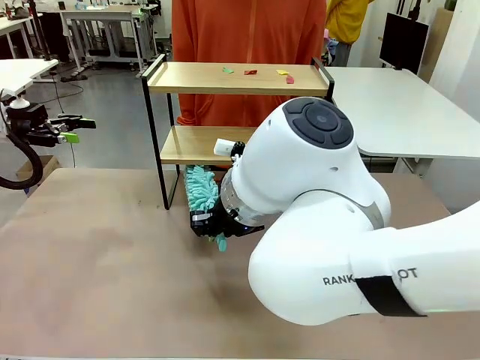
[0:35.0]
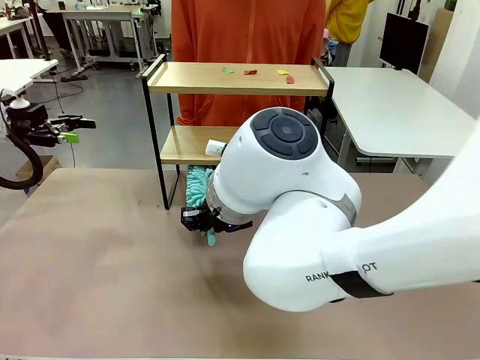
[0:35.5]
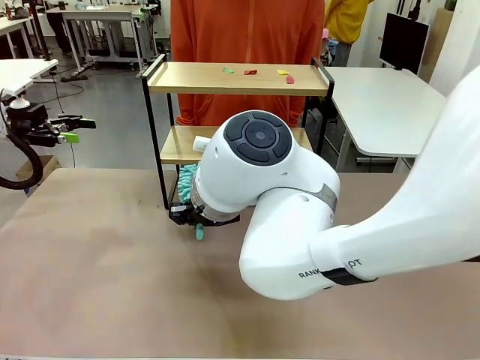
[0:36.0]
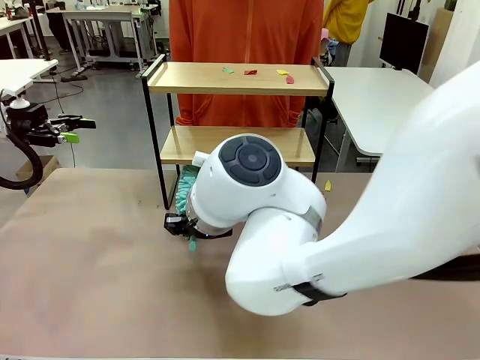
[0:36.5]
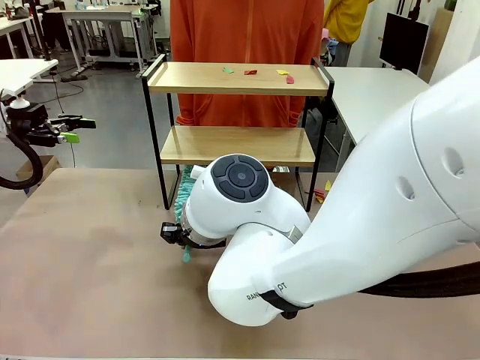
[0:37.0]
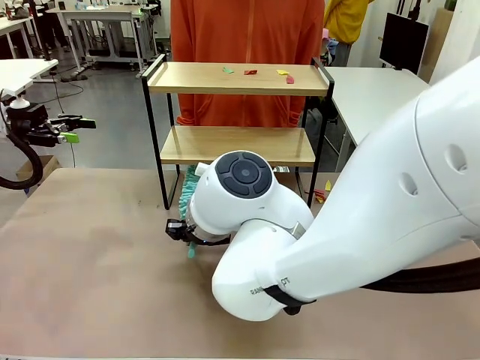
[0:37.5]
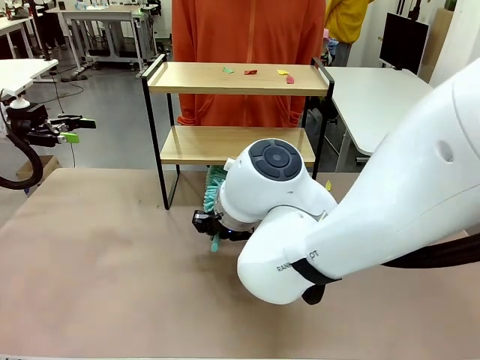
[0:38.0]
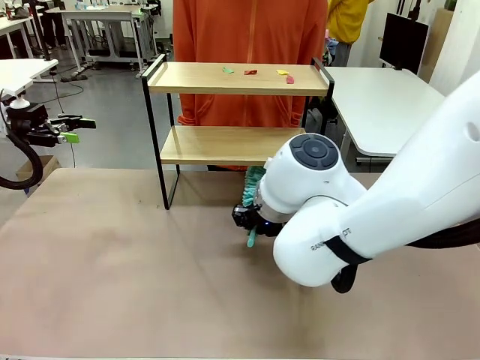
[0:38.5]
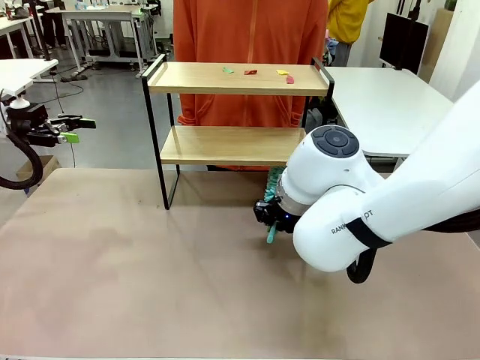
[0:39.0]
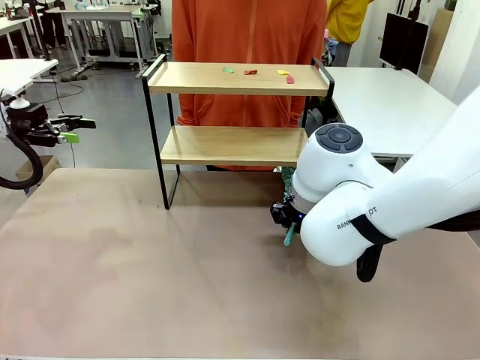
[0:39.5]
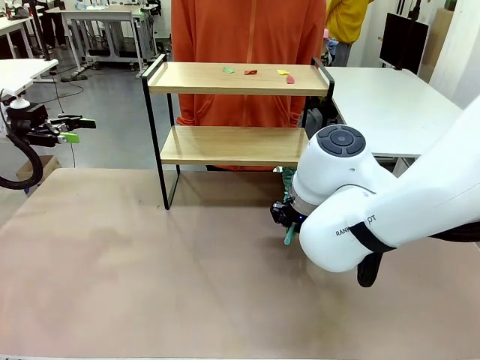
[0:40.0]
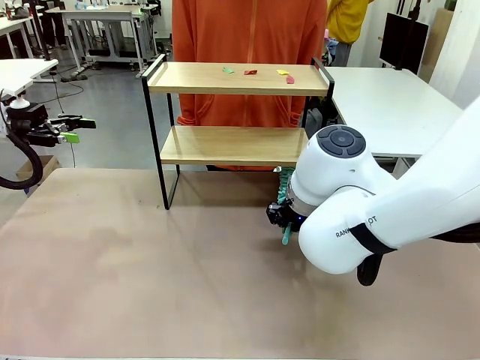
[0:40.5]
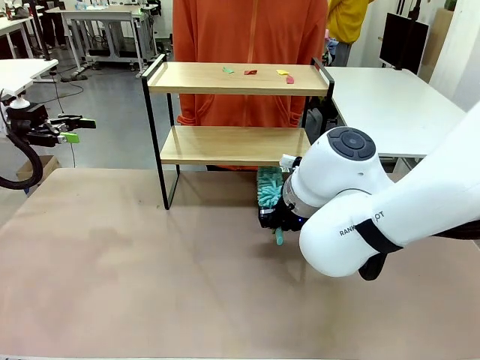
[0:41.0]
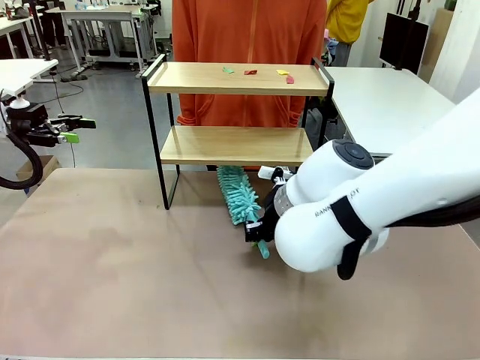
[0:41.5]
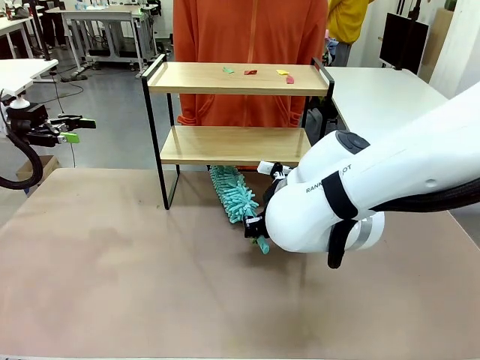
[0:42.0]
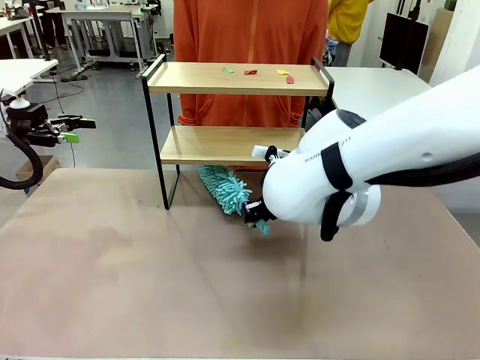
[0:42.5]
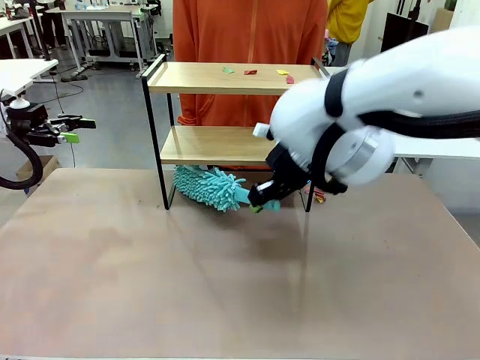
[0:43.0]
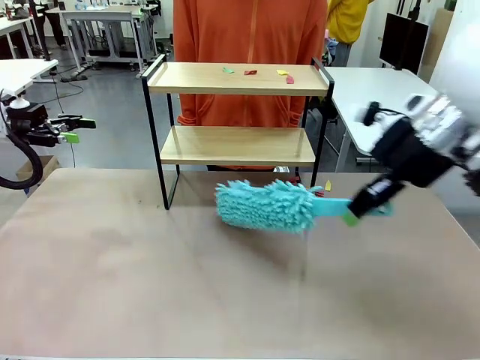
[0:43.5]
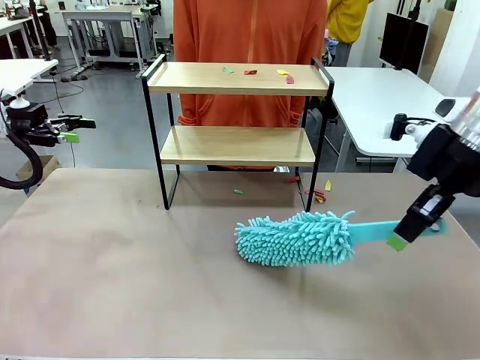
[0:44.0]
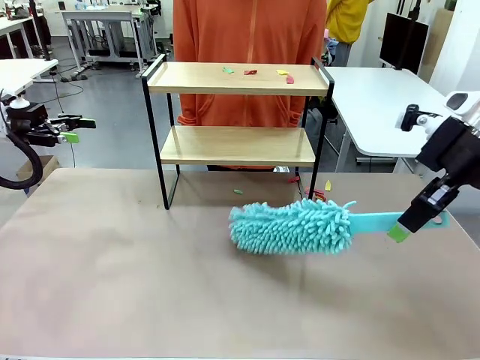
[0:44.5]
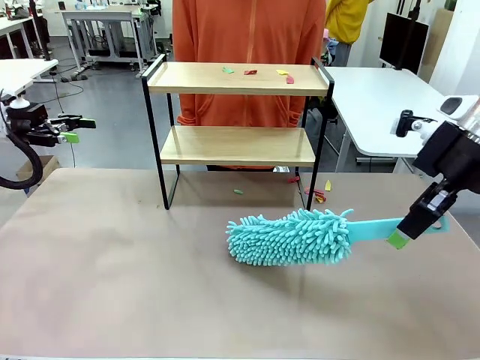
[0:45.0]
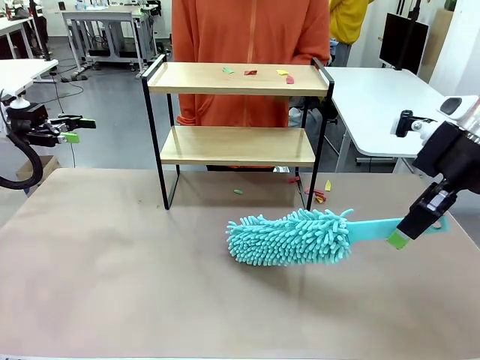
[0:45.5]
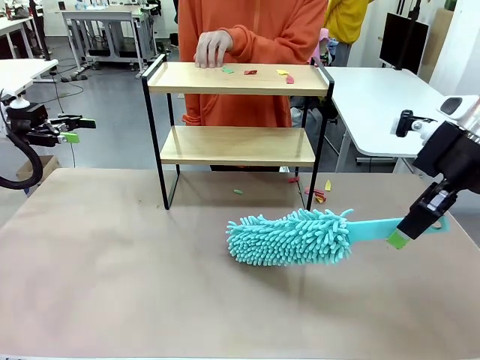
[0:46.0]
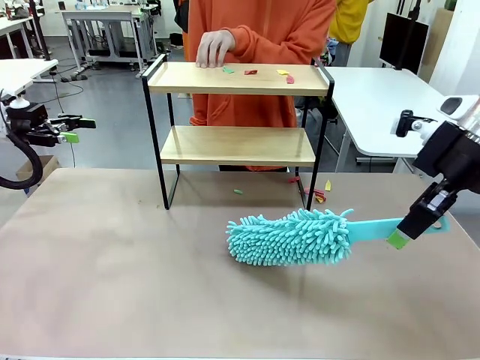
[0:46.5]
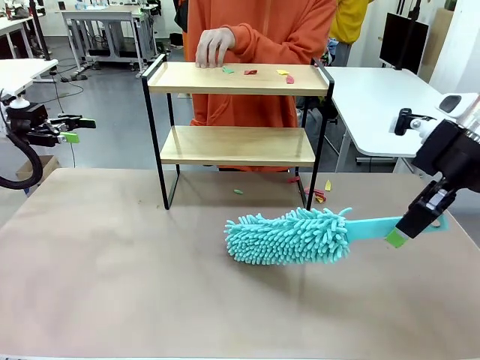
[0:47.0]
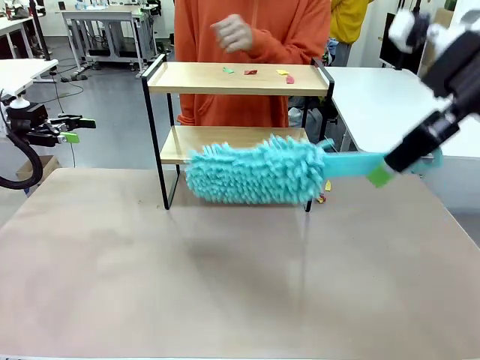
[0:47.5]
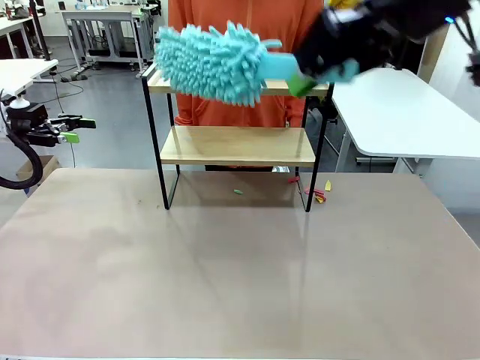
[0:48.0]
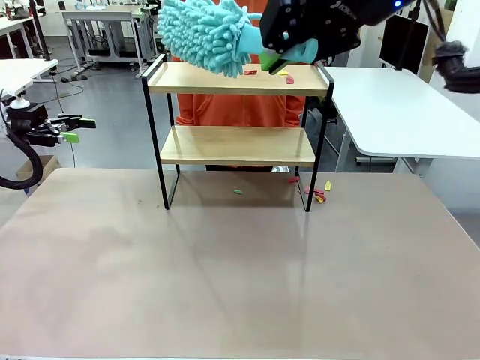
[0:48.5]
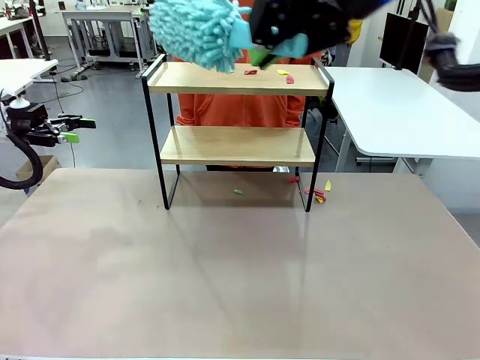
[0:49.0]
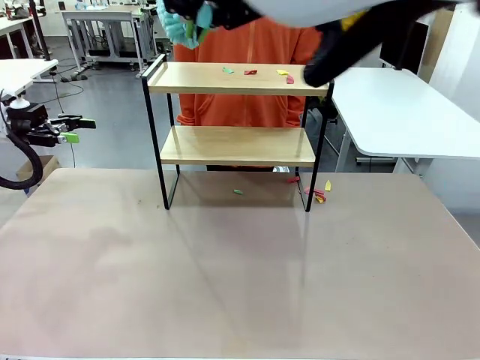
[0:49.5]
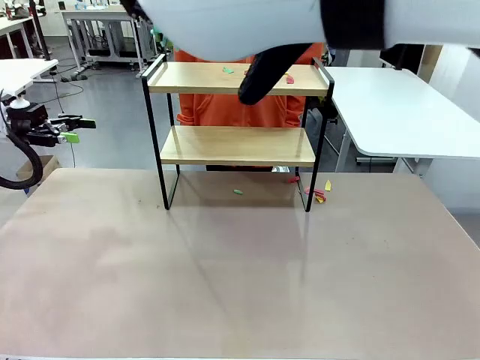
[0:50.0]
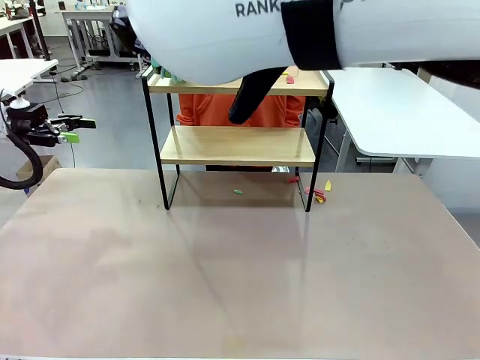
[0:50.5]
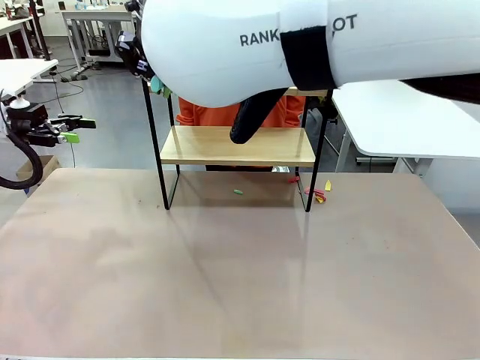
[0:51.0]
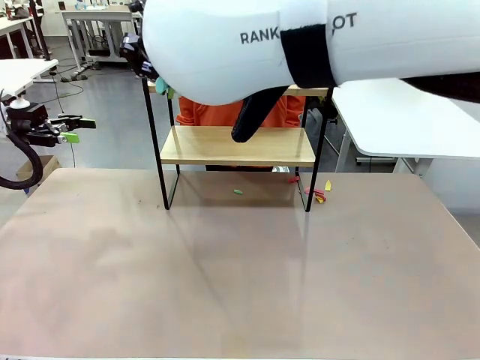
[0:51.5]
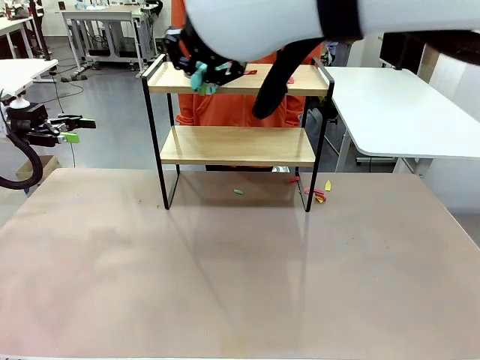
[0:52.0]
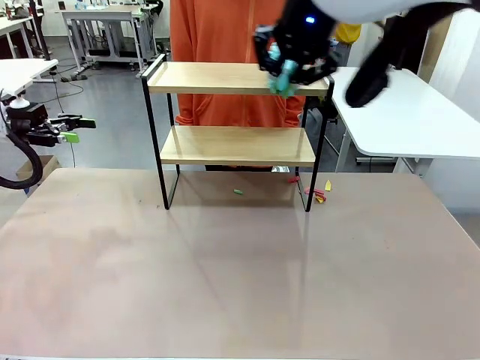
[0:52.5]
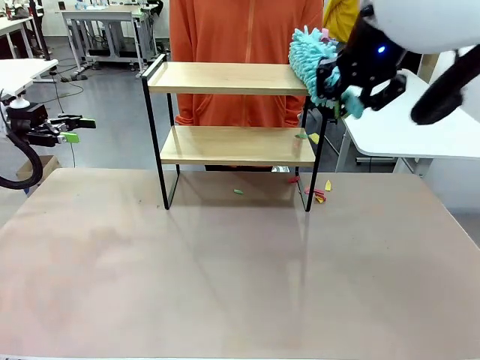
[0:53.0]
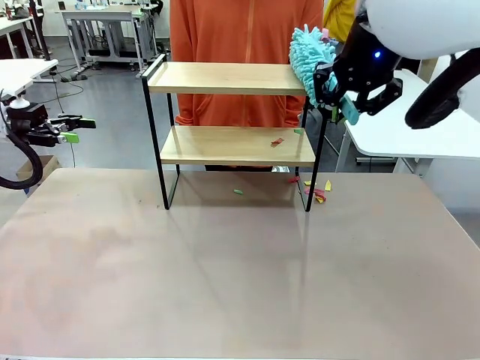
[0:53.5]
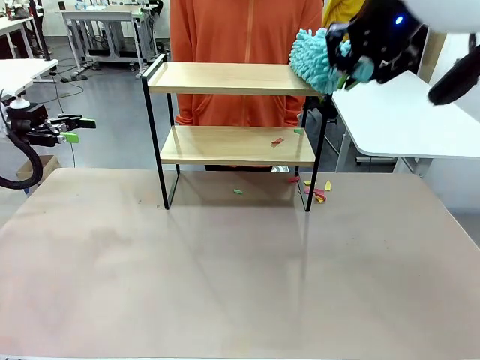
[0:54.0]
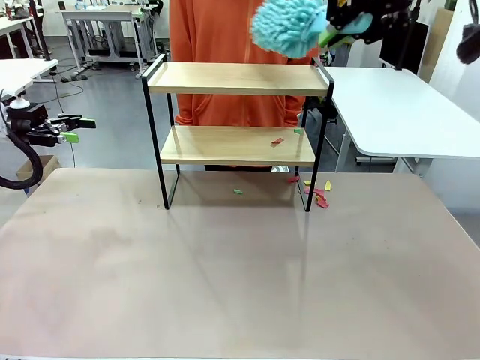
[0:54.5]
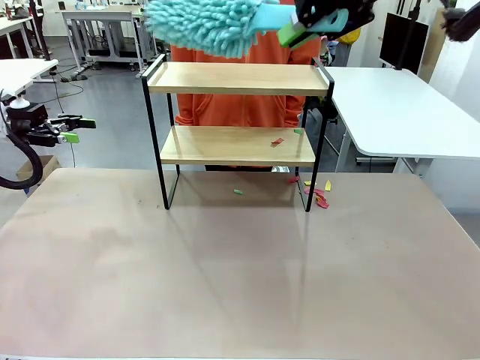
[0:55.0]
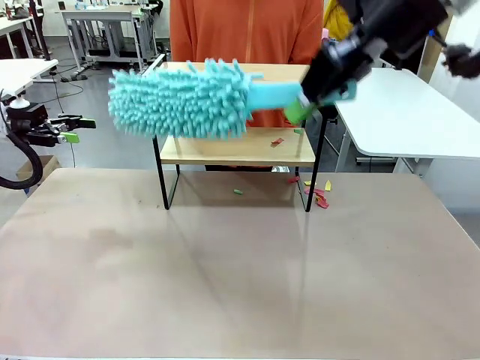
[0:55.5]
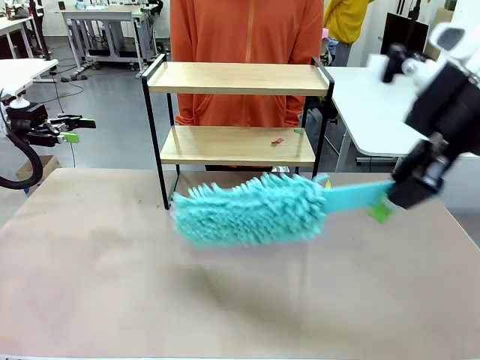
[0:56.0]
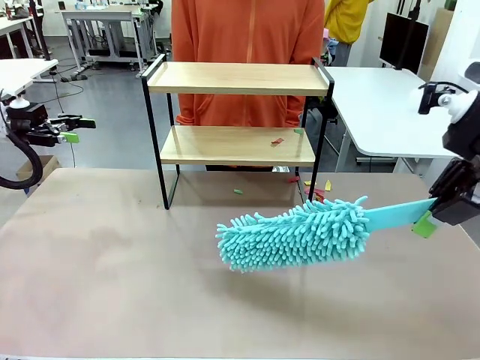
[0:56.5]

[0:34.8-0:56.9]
Task: Clean the shelf.
Robot: Clean the specific section of the Shelf indicated by the human with the Duster.
Person: Point a remaining section of the Shelf.

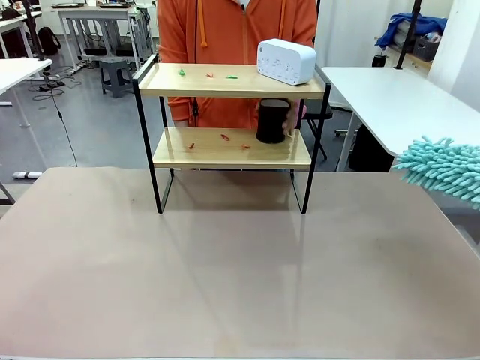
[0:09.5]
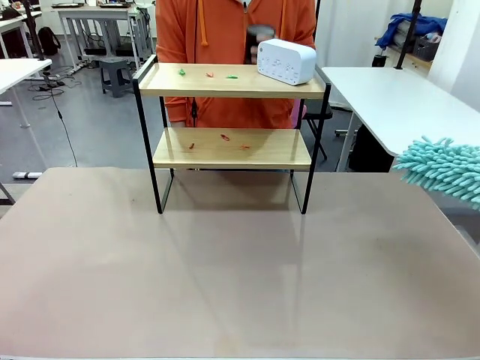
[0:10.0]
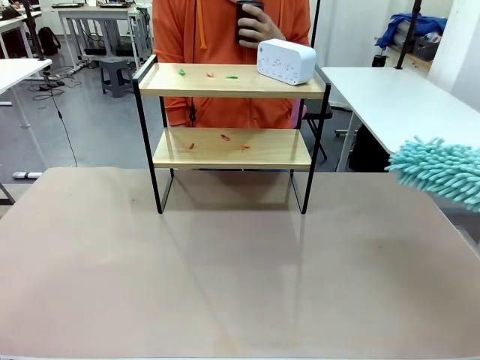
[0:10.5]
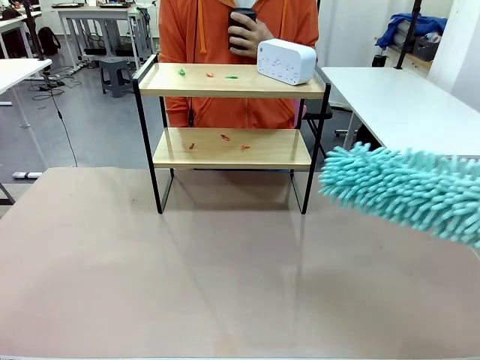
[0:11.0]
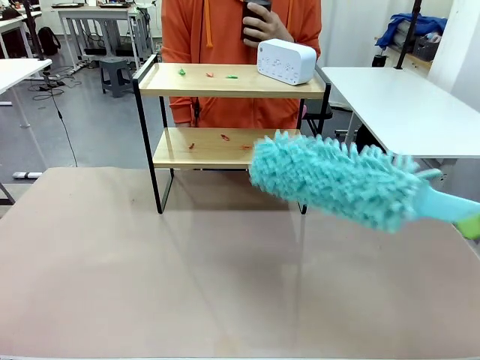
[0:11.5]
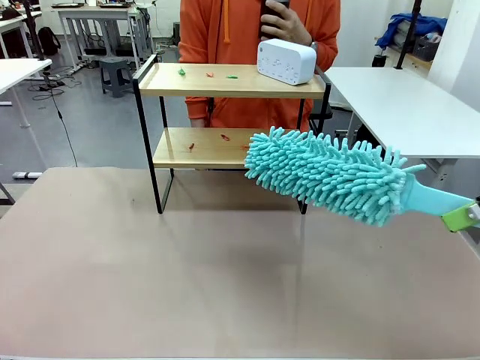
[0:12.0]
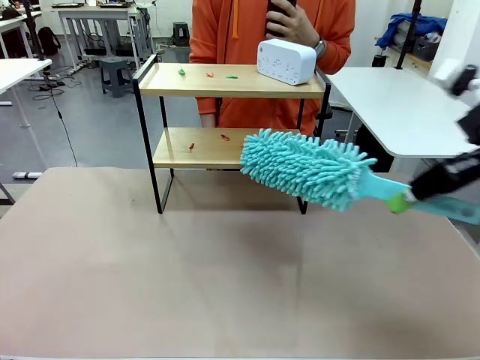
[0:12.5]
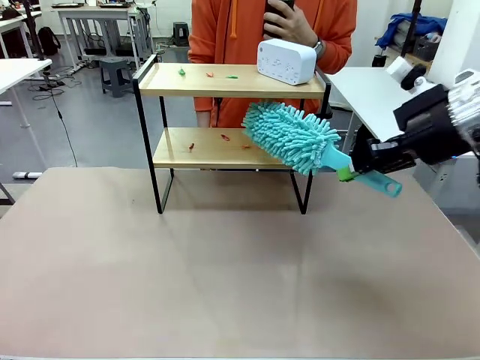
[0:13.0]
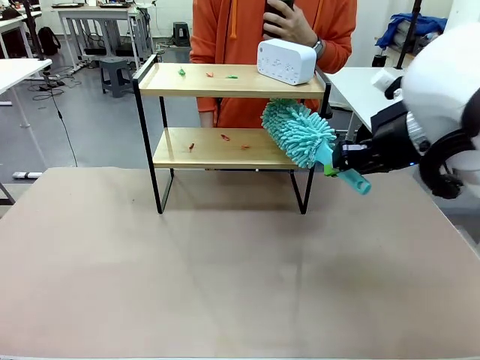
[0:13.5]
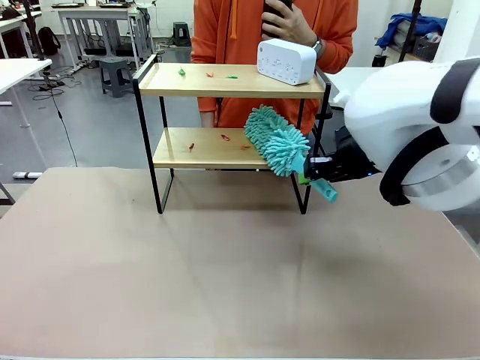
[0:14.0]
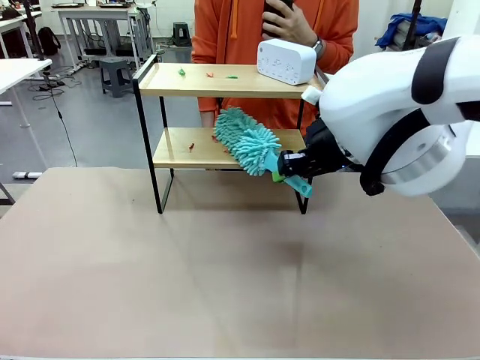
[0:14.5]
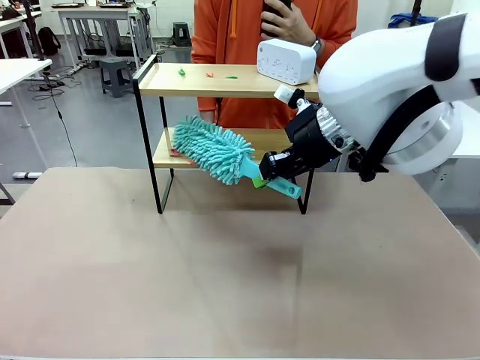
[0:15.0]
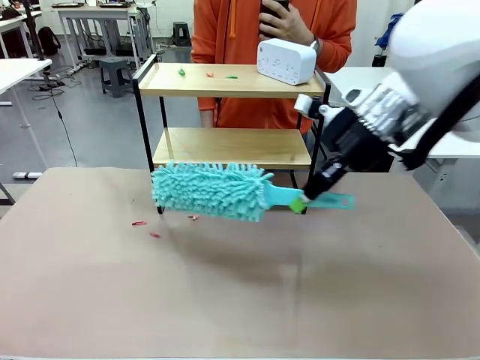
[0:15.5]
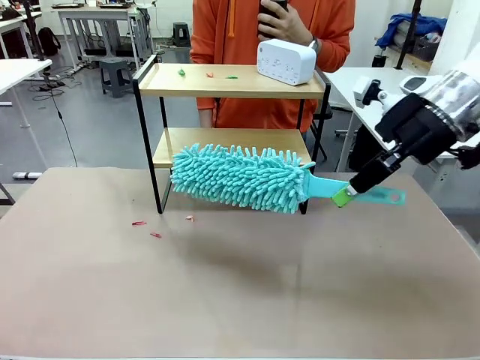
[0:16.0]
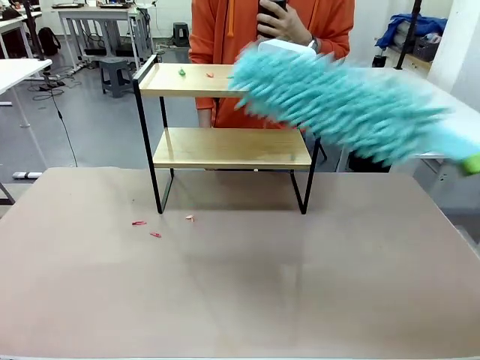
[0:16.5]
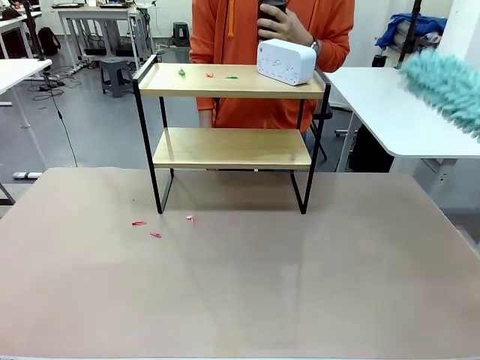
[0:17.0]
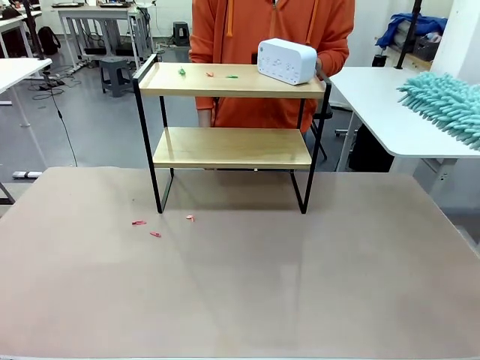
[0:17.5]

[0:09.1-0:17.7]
Task: Clean the shelf.
Robot: Clean the specific tier of the Shelf with the Duster once objects are removed.
Person: Lift the objects on a randomly selected tier of the Shelf. Once the robot finishes cleaning, lift the objects on the remaining tiers of the Shelf.
